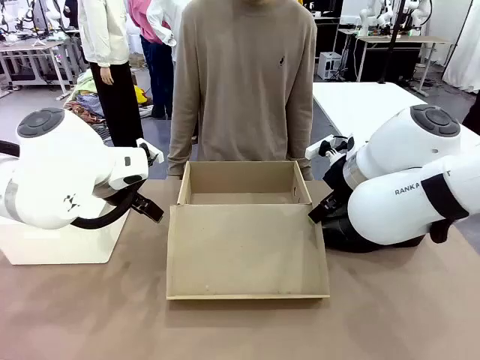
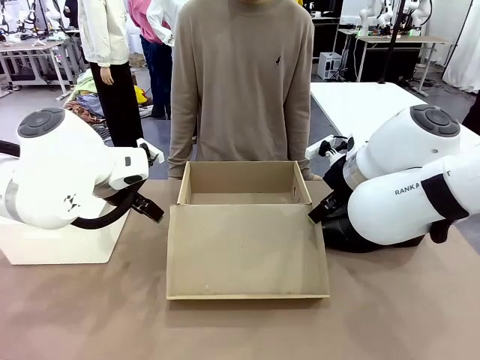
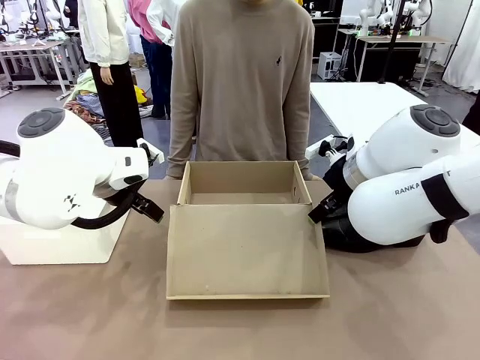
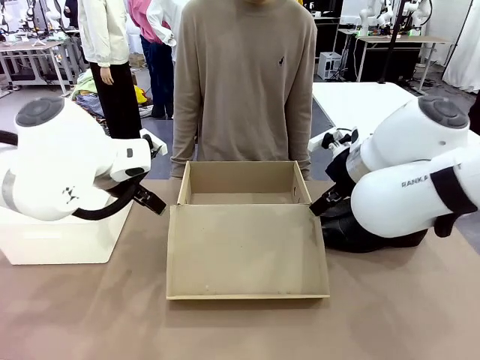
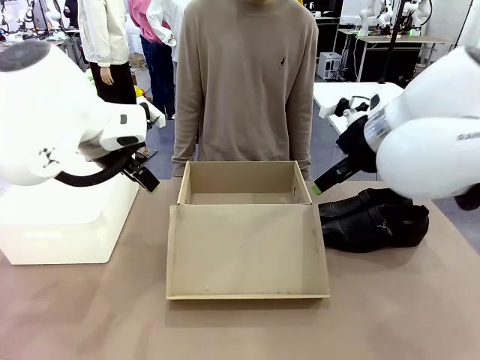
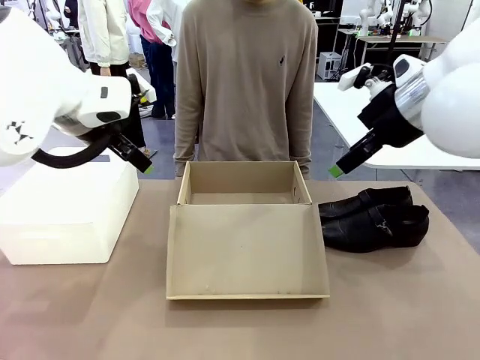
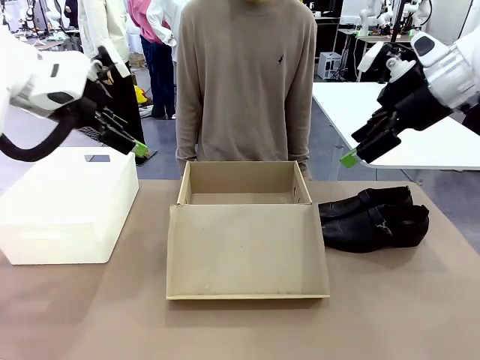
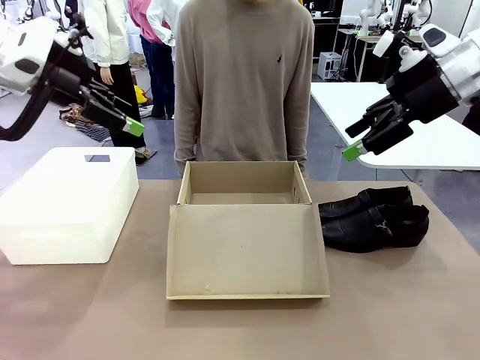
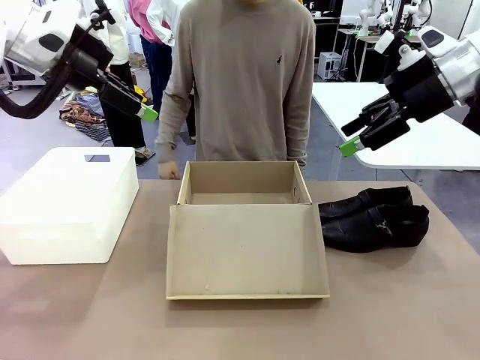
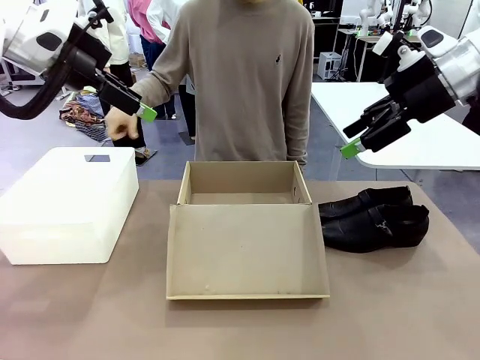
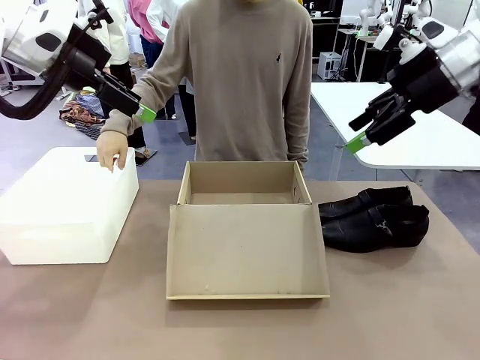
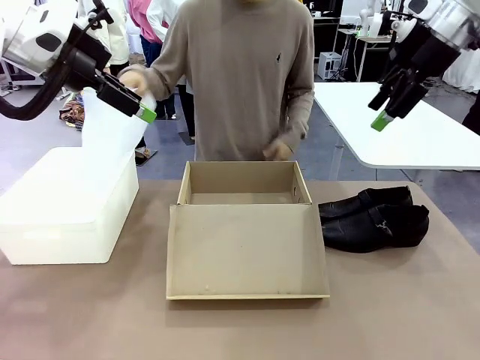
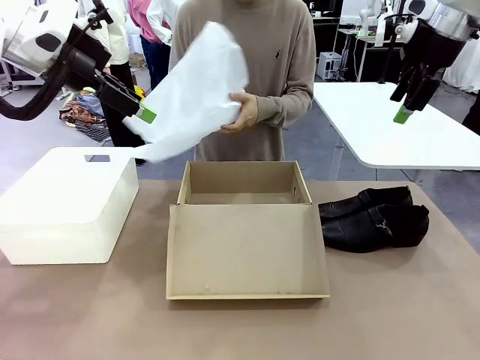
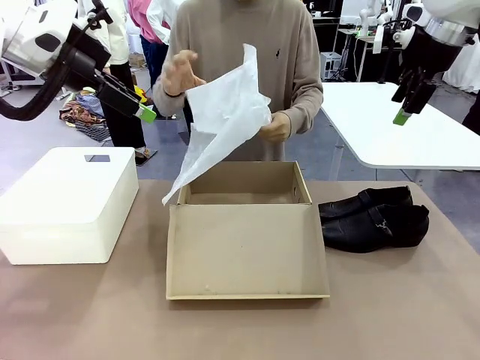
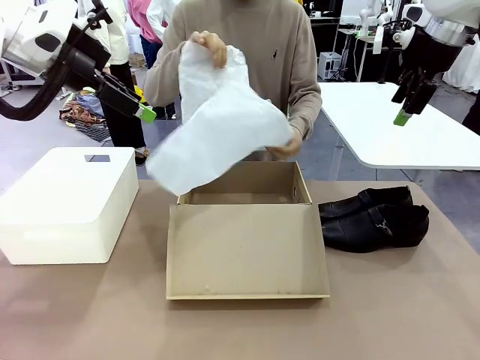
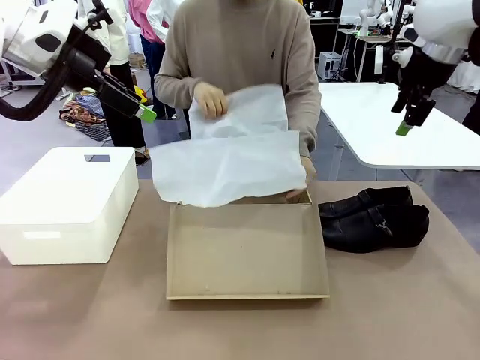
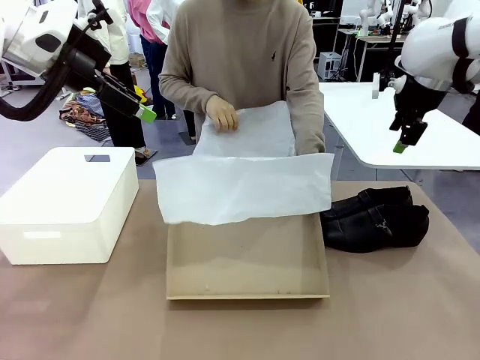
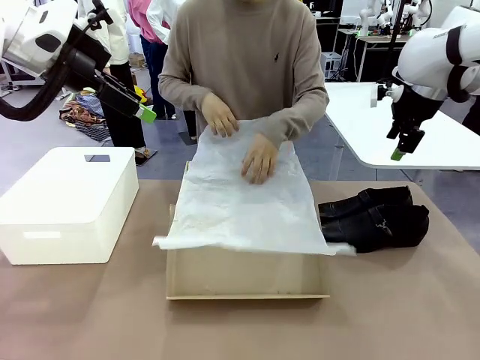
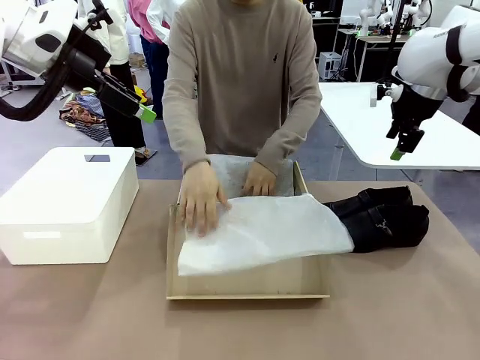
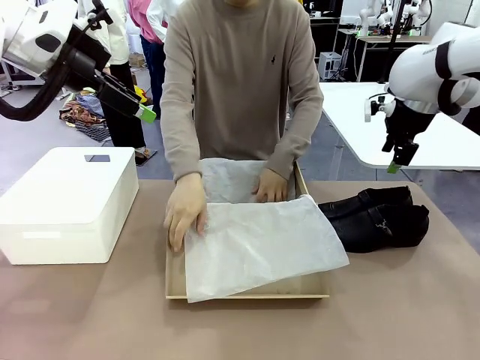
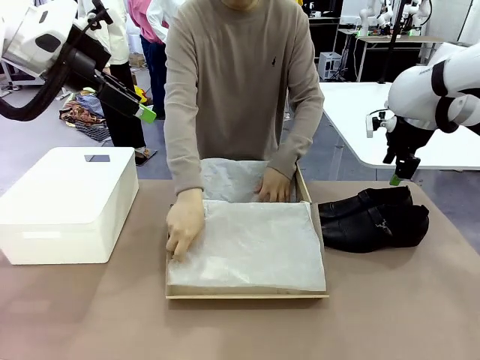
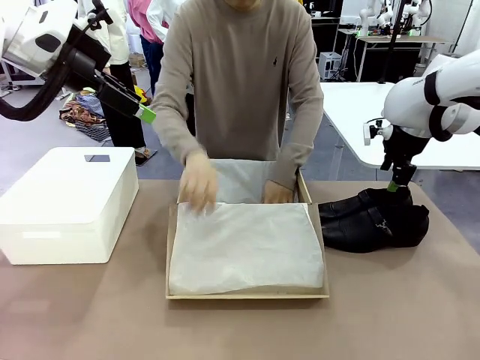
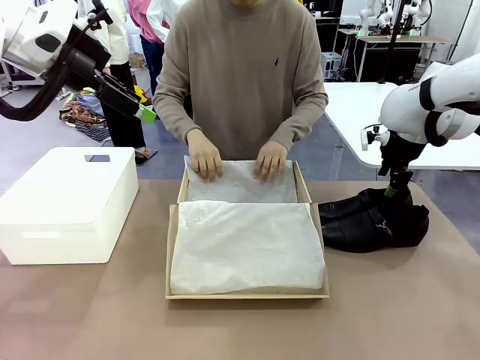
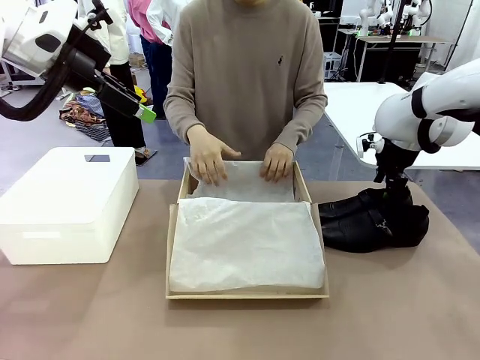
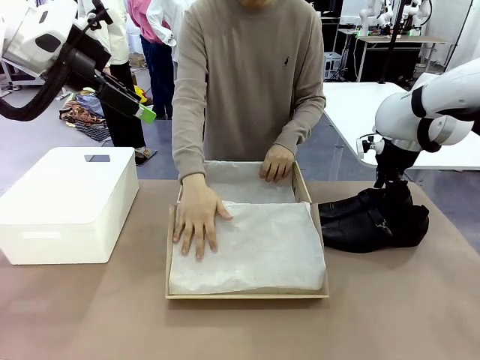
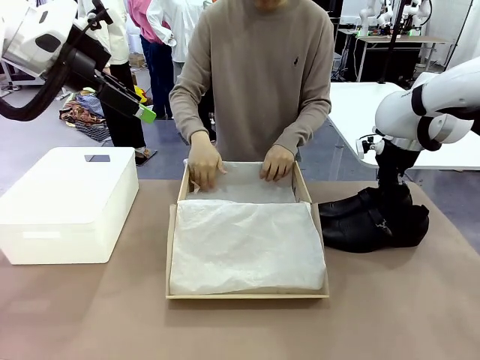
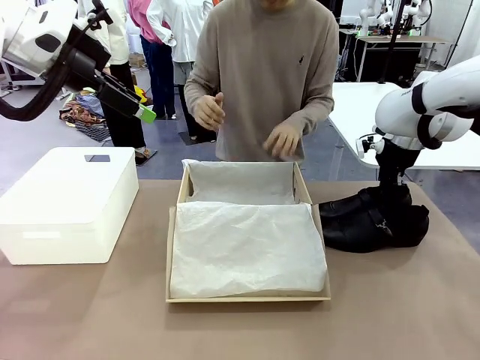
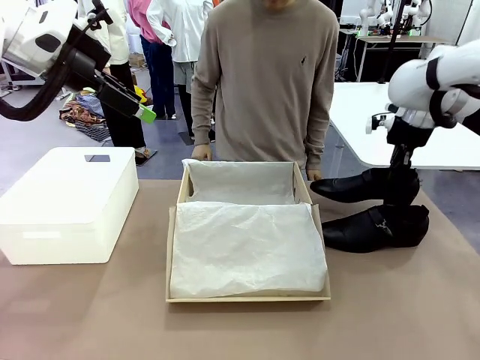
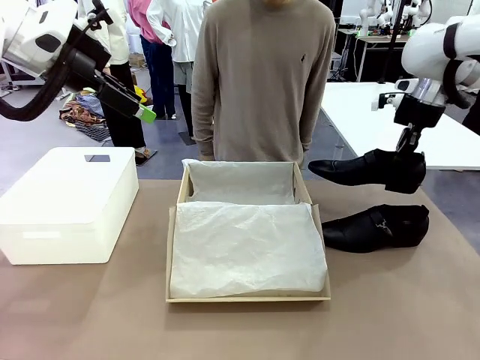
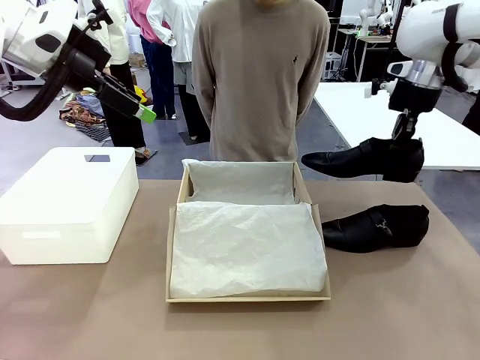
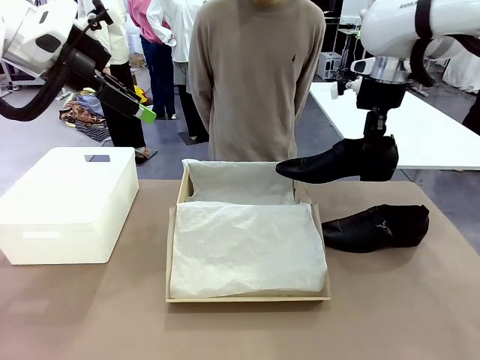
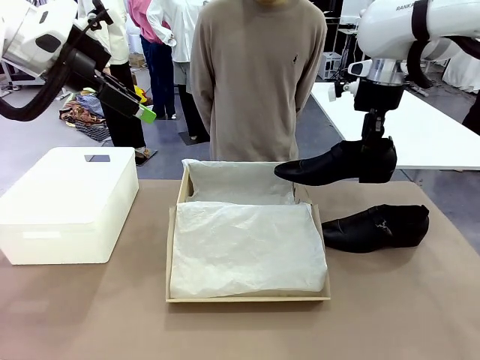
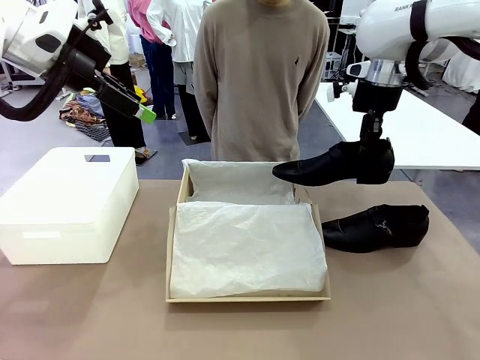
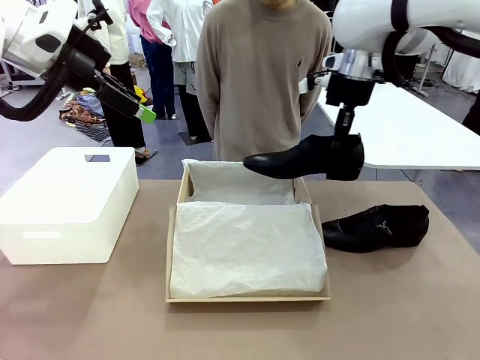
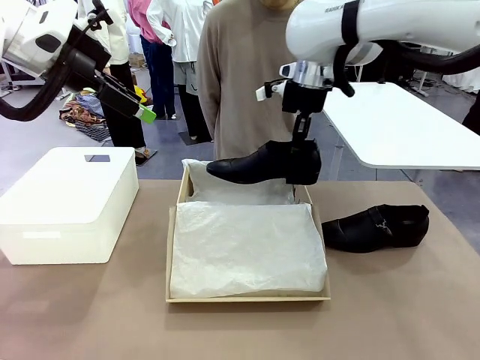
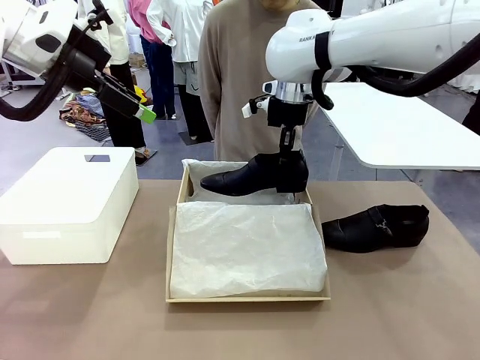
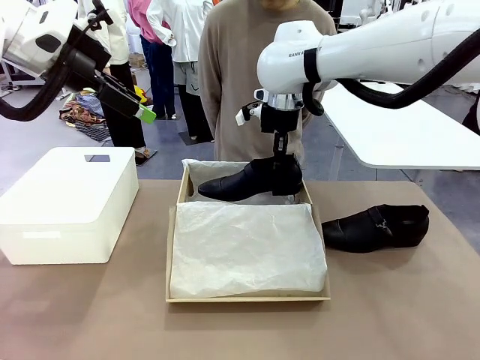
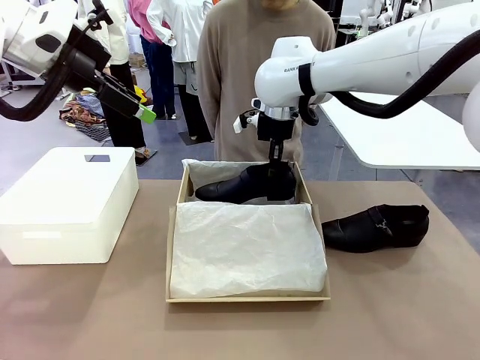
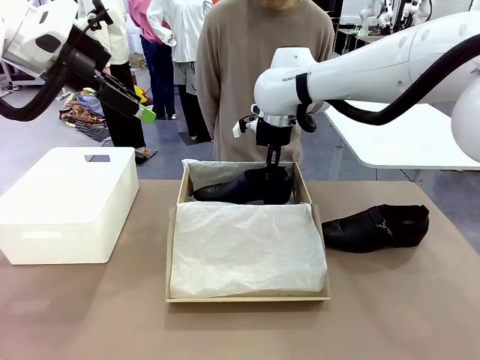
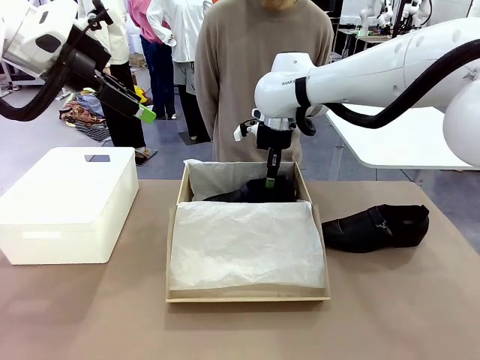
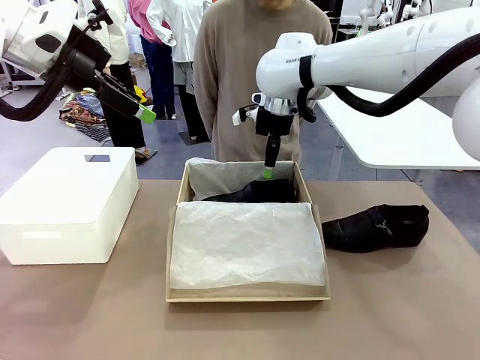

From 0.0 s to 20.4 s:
Task: Pack the shoes into the box.
Robot: Place one shoe of the Shoes into the Shoes Box.
Person: Spread Shoes Wrapping Paper and place inside the Shoes Box.
